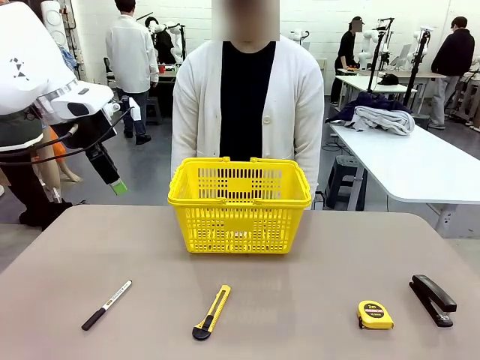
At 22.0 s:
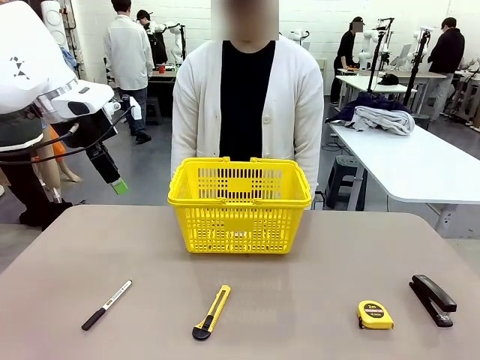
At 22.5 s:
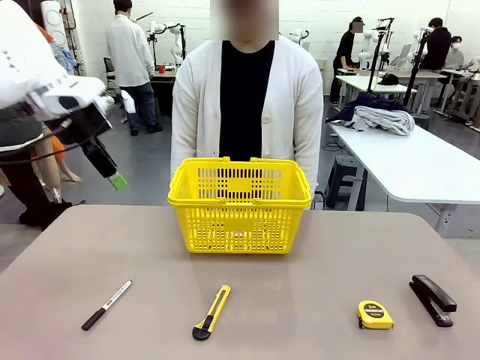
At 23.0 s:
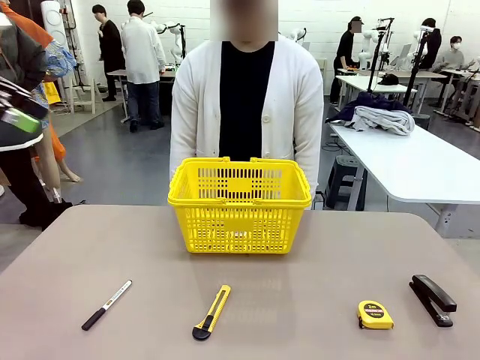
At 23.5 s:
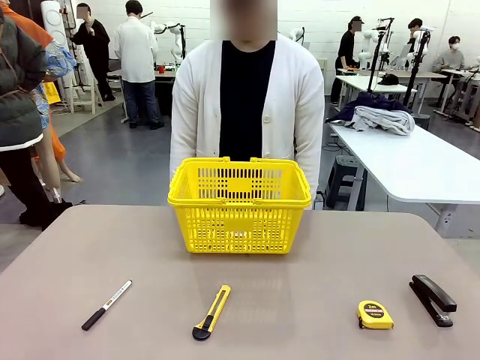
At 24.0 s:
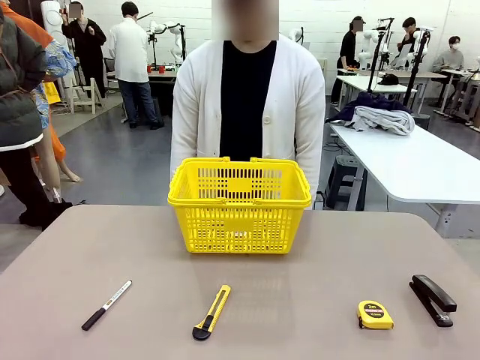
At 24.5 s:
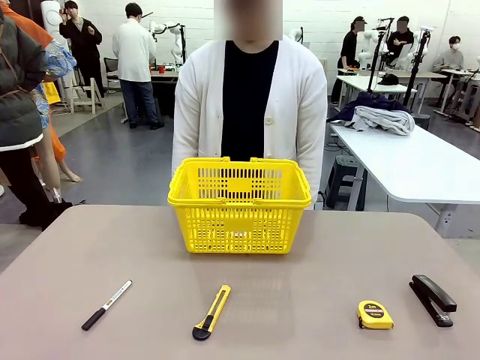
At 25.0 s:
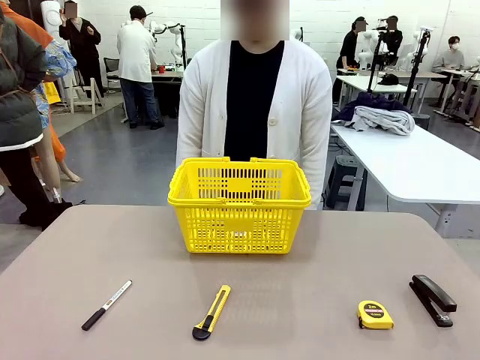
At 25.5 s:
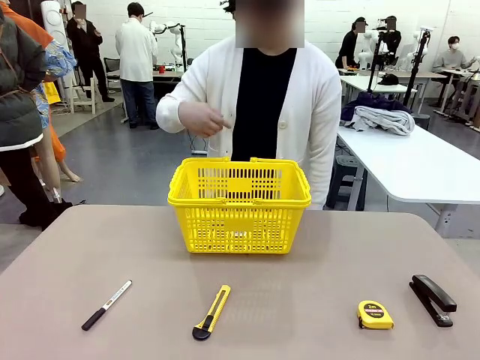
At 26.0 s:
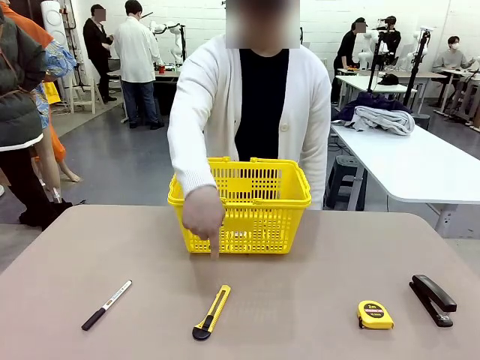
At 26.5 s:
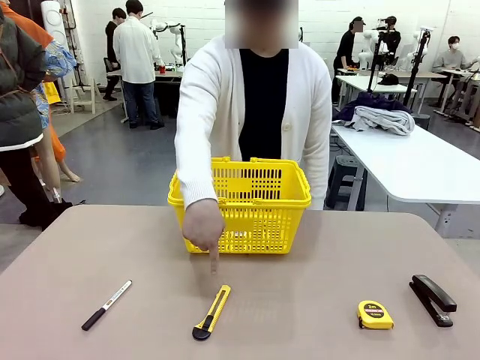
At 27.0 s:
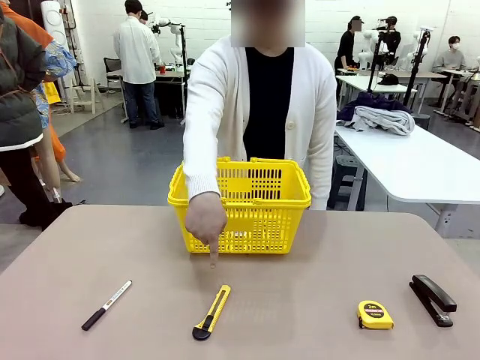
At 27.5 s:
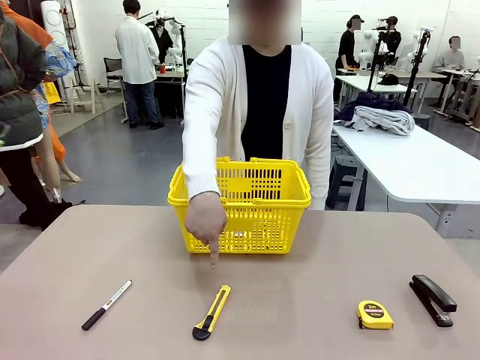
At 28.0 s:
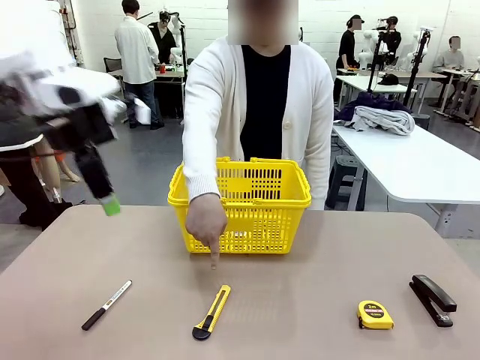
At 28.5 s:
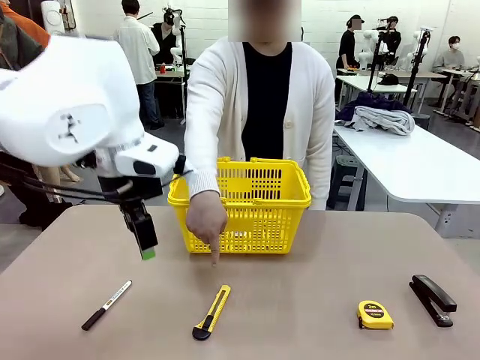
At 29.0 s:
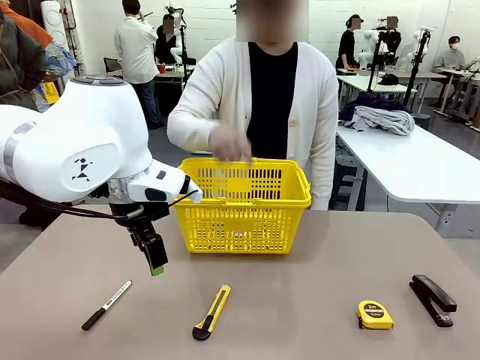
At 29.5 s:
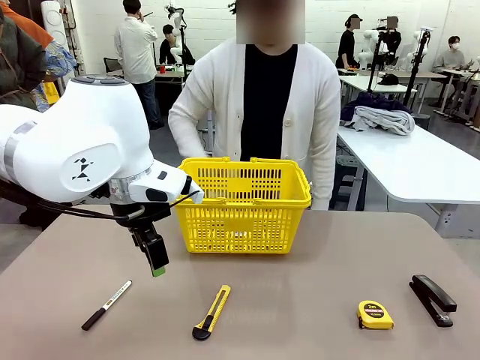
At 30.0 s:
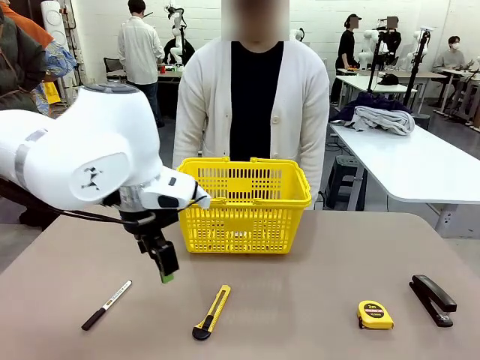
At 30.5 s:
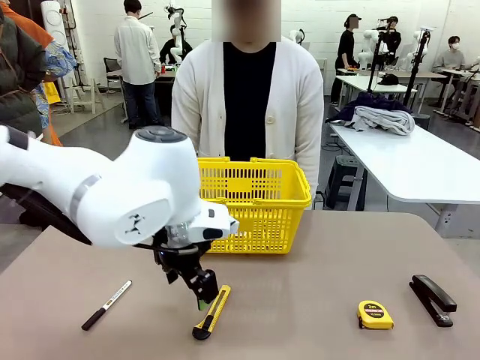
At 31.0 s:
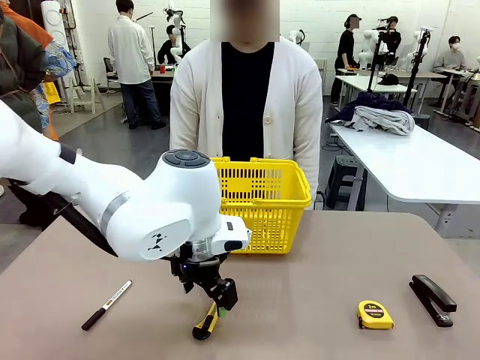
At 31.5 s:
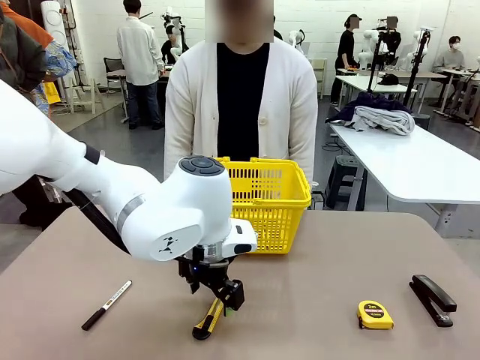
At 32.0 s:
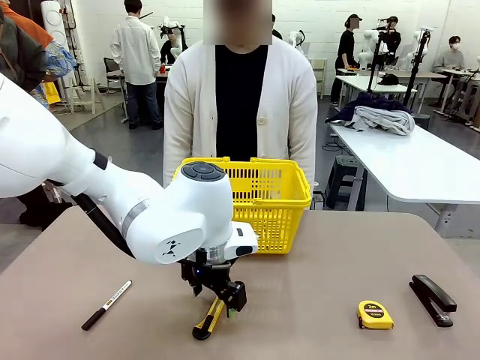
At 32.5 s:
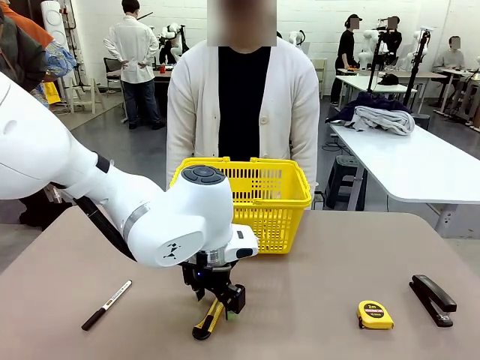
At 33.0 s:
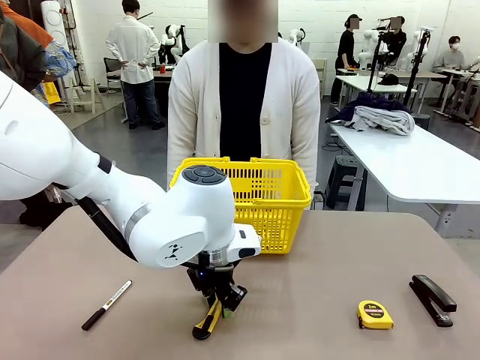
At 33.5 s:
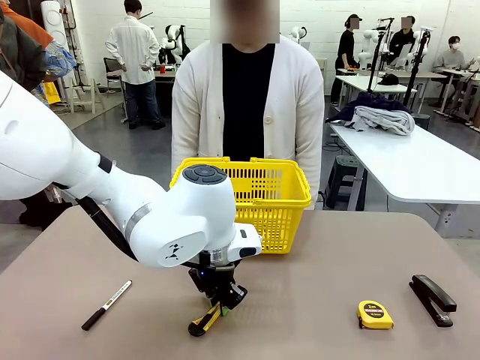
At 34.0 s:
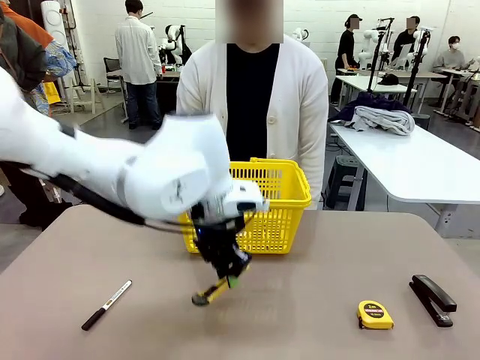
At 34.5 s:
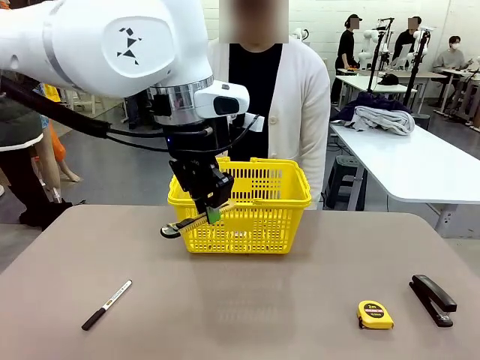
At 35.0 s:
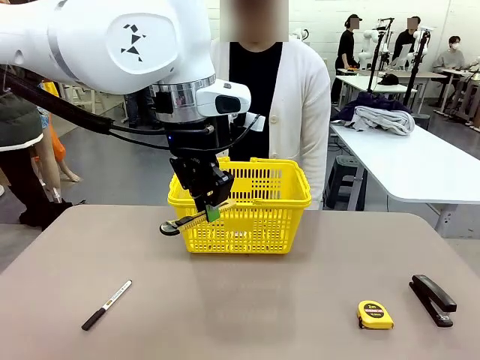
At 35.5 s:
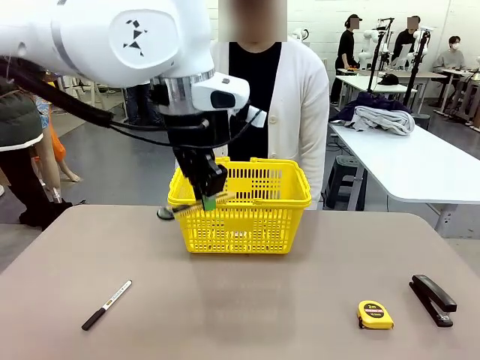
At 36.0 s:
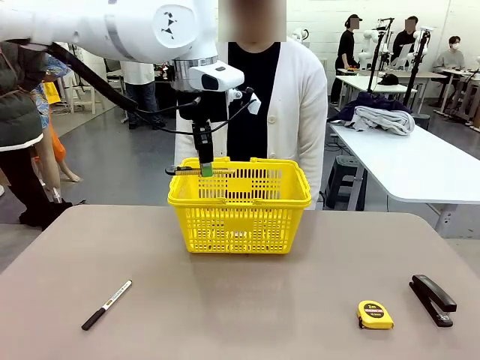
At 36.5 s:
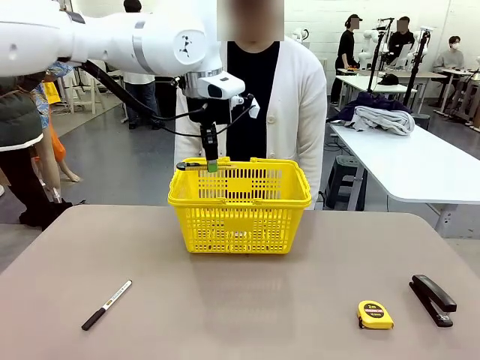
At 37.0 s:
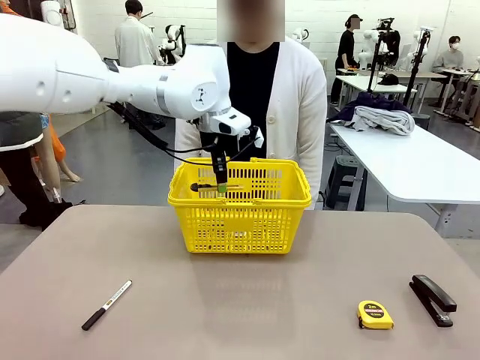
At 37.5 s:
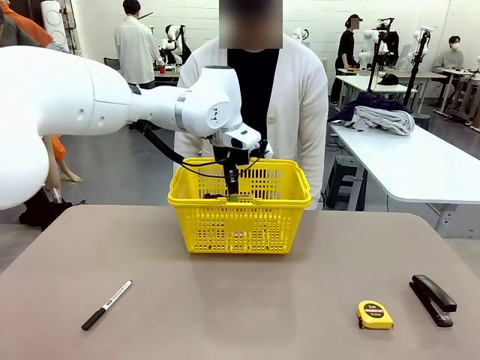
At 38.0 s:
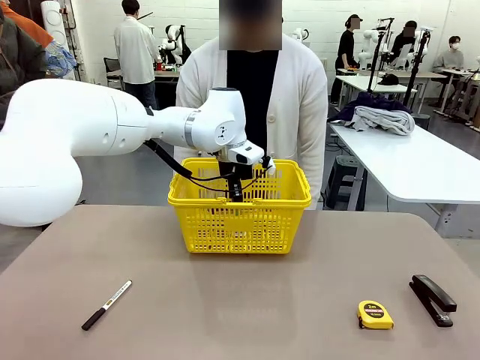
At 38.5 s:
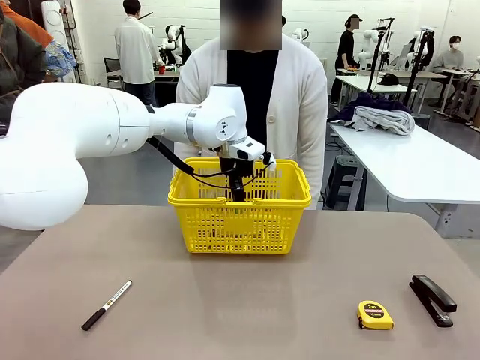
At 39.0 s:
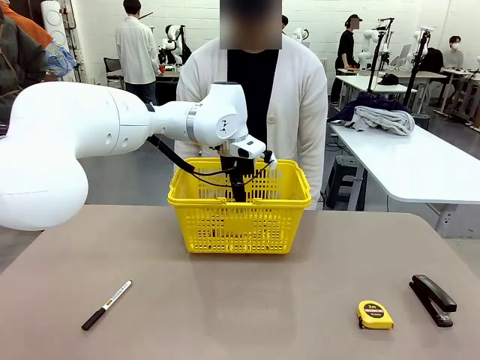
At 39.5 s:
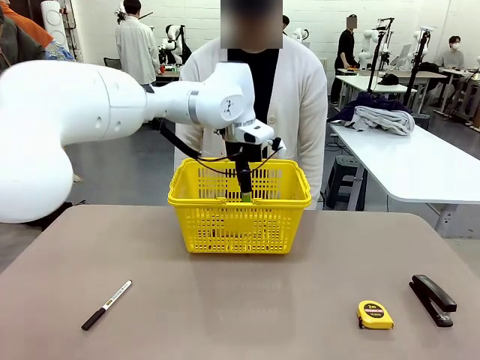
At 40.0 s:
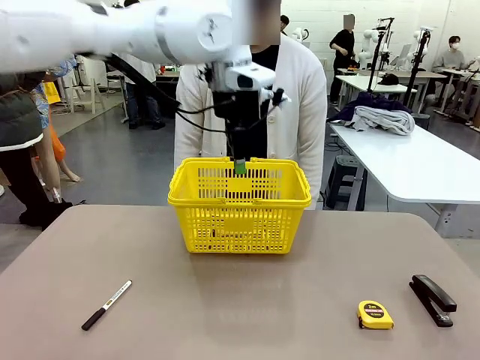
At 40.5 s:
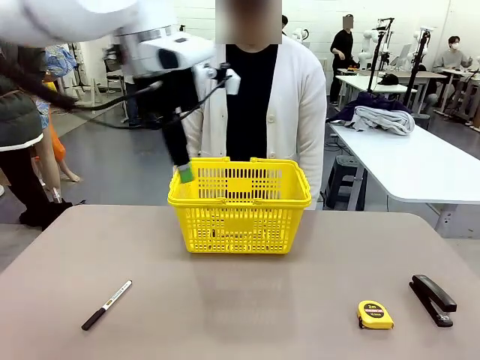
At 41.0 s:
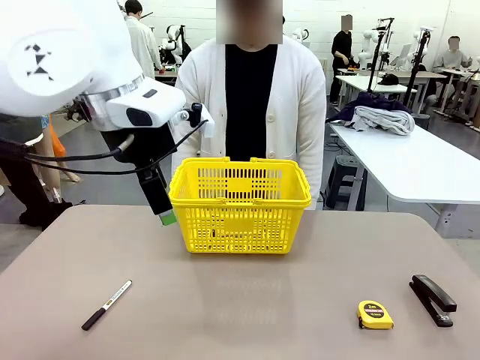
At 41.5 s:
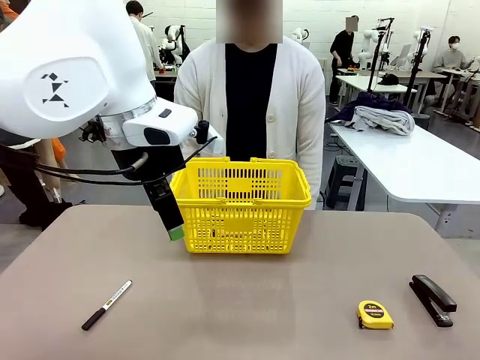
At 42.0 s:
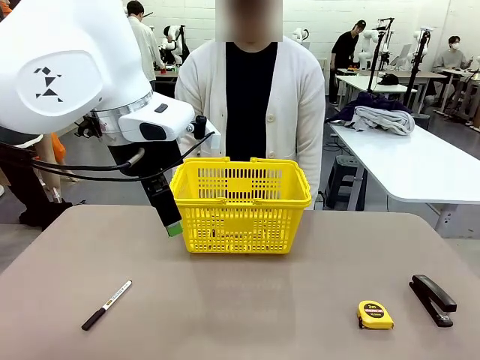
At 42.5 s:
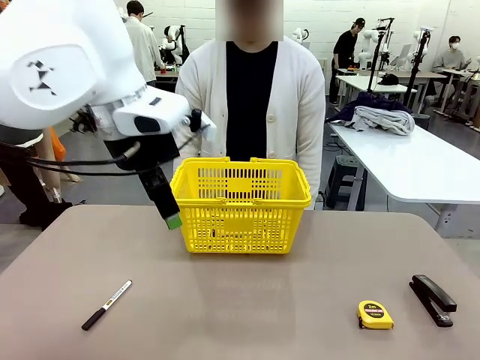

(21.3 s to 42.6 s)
Task: Place the items the person wants into the basket.
Robot: Pick up the item the person points to and place it in the Market Basket.

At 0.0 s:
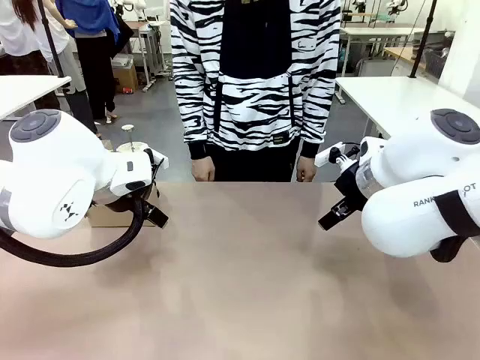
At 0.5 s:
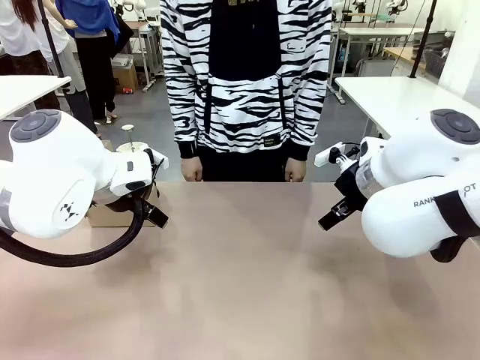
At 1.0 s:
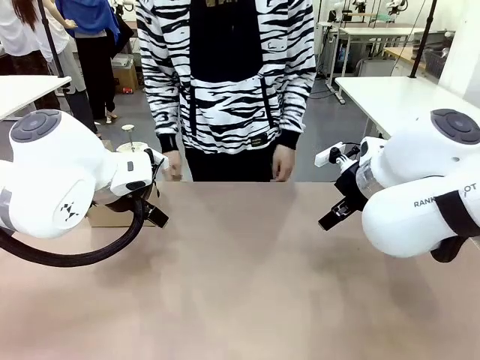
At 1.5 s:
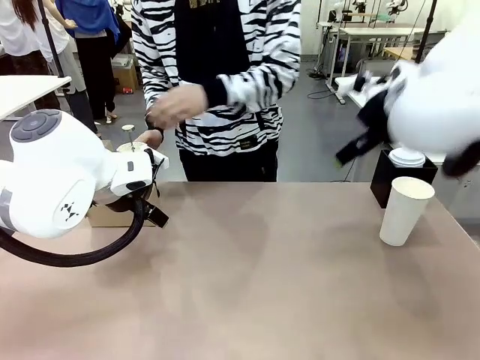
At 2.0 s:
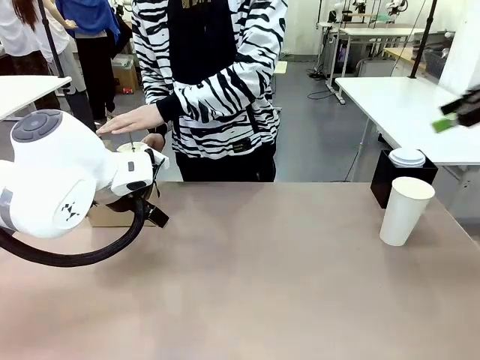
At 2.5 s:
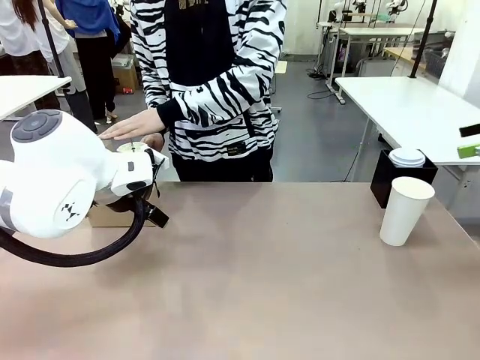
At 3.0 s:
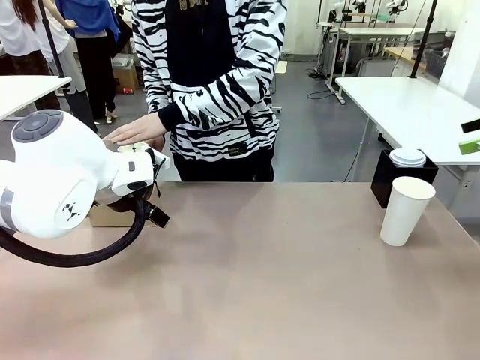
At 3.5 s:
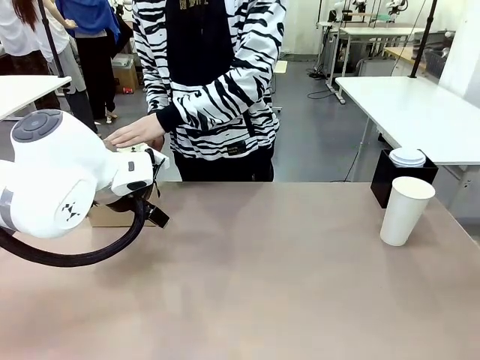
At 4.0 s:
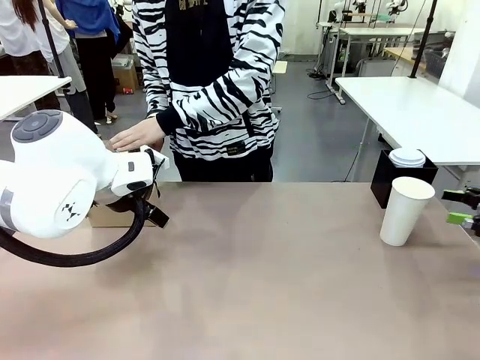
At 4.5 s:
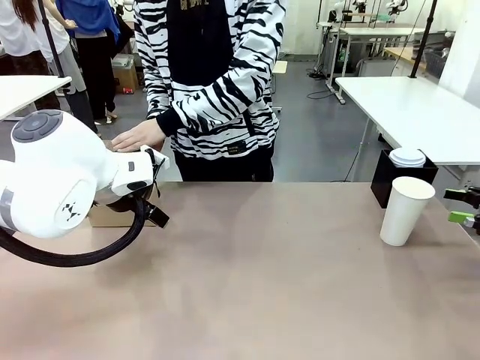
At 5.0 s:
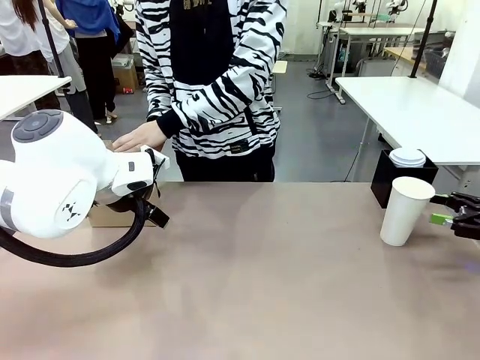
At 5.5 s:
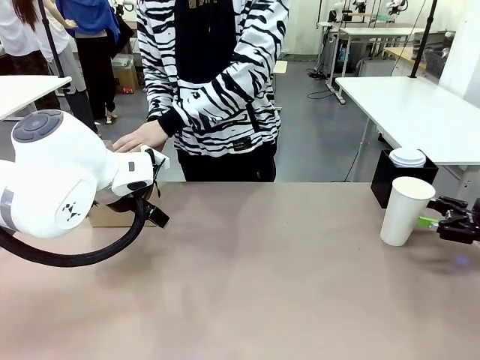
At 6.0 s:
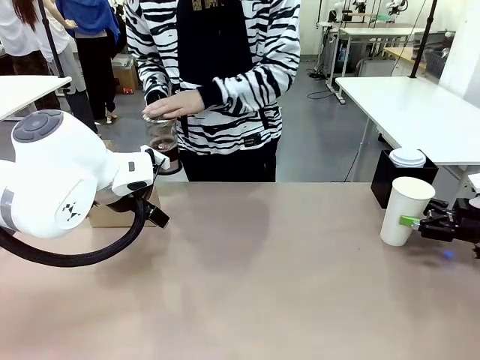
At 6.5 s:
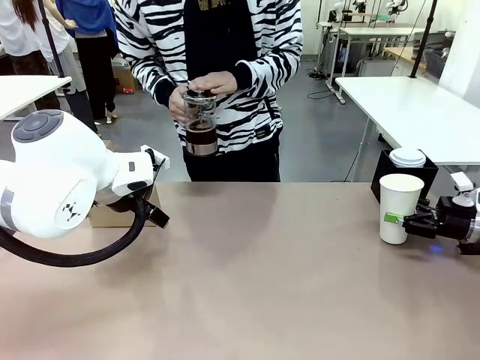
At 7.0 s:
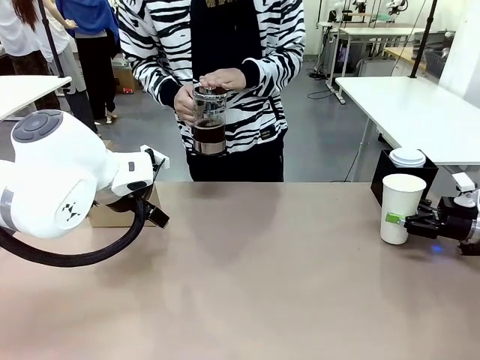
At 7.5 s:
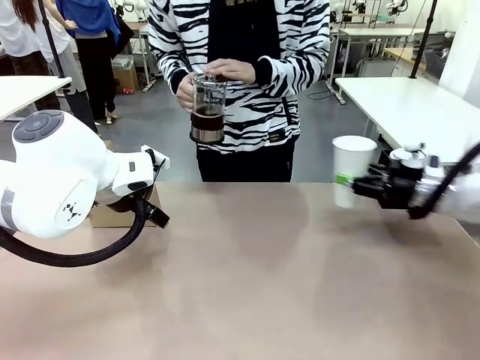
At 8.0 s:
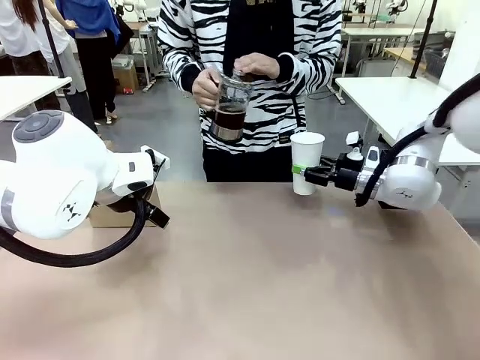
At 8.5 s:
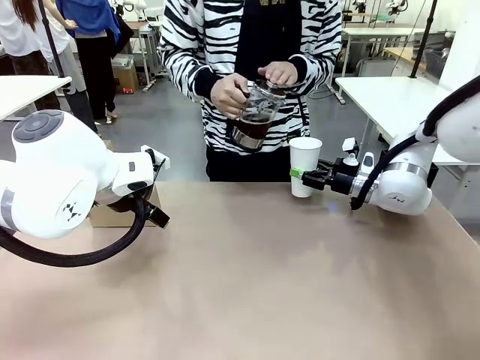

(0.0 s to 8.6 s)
Task: Pour a drink into a cup and package it in a carrier.
Robot: Pick up the 600 ml Paper Cup and place it in the middle top area of the table.
Person: Press and pick up the Filter Brewing.
